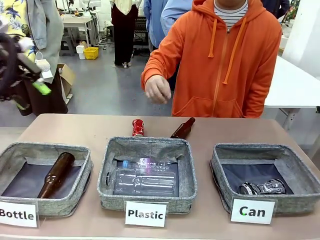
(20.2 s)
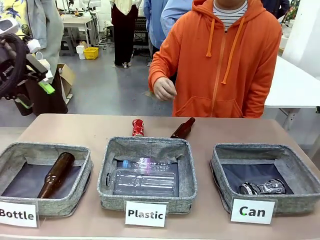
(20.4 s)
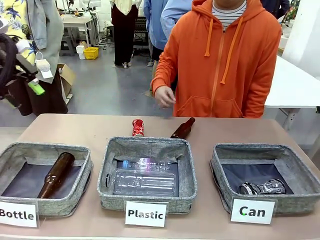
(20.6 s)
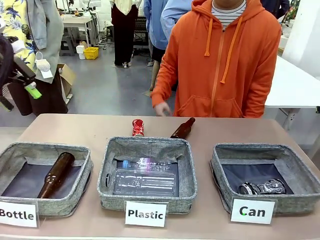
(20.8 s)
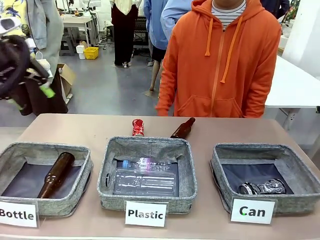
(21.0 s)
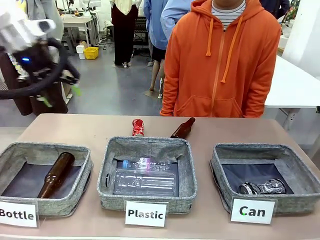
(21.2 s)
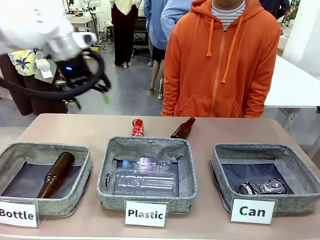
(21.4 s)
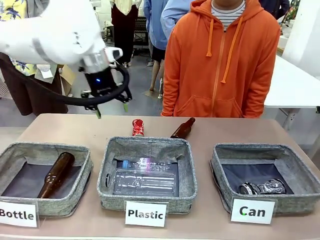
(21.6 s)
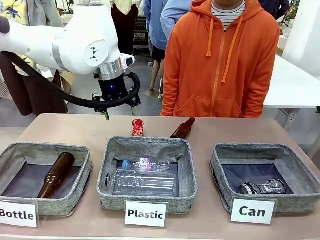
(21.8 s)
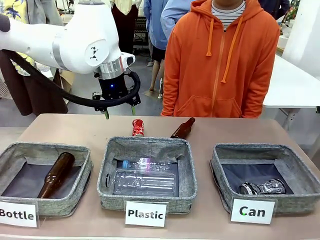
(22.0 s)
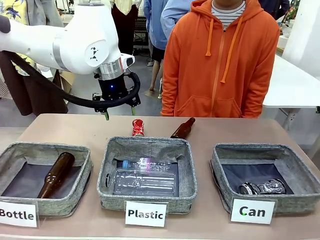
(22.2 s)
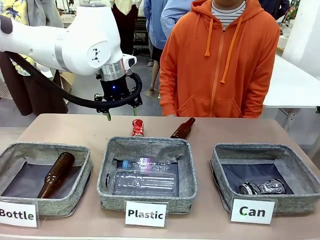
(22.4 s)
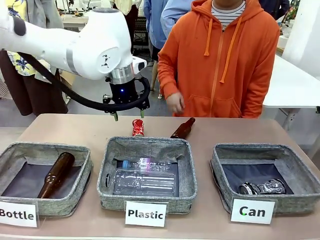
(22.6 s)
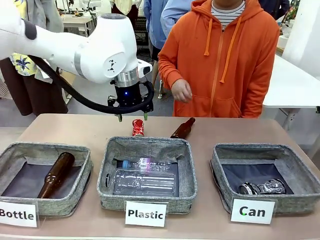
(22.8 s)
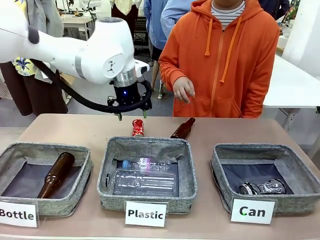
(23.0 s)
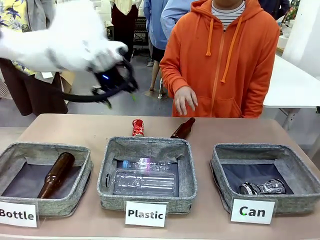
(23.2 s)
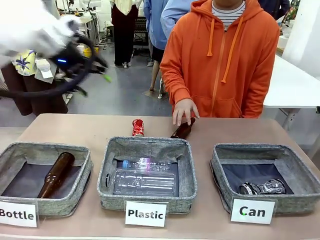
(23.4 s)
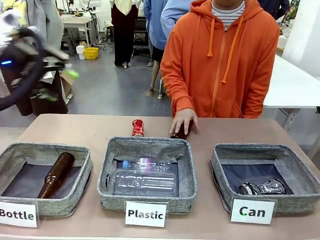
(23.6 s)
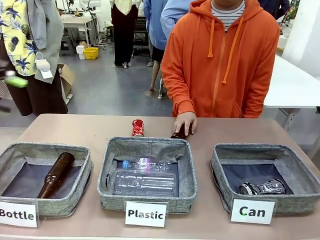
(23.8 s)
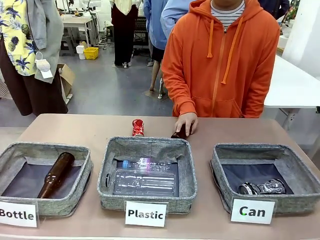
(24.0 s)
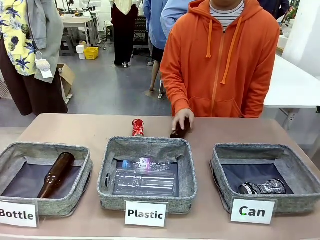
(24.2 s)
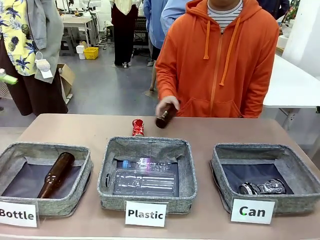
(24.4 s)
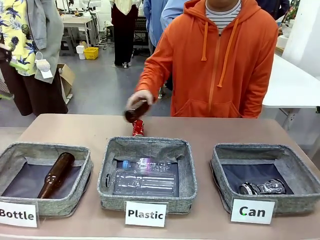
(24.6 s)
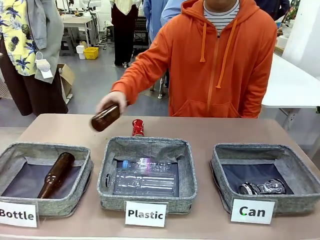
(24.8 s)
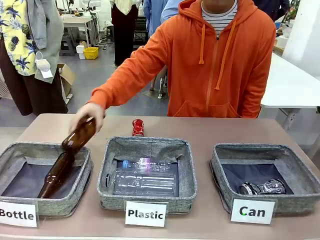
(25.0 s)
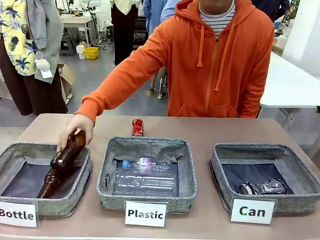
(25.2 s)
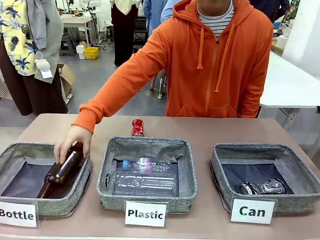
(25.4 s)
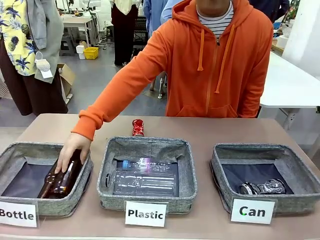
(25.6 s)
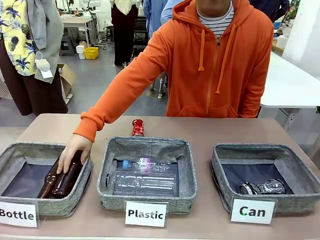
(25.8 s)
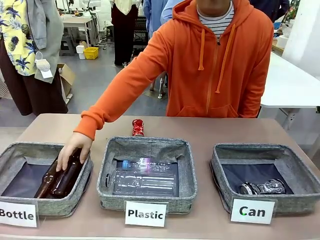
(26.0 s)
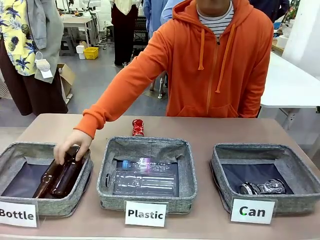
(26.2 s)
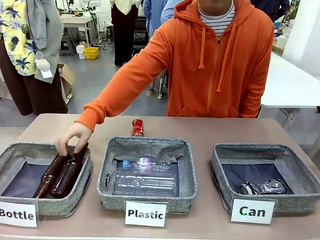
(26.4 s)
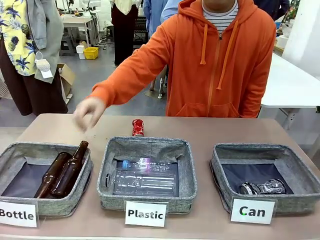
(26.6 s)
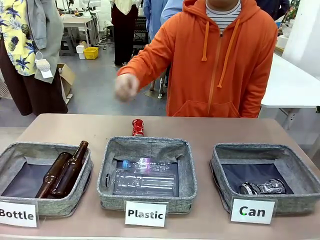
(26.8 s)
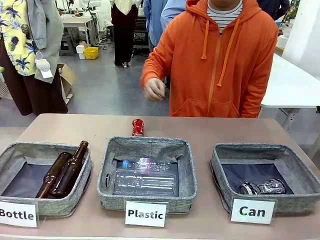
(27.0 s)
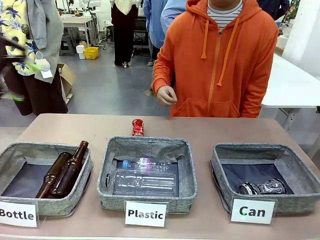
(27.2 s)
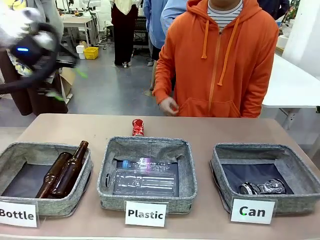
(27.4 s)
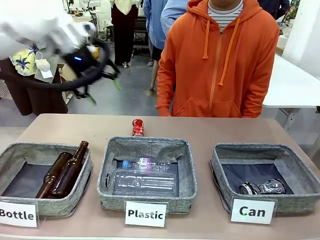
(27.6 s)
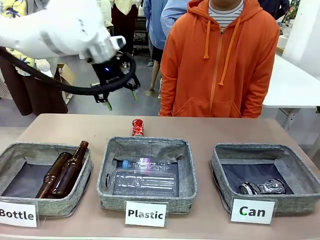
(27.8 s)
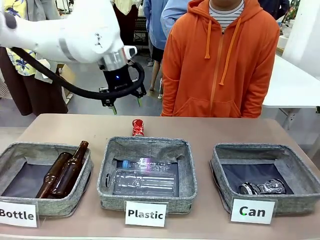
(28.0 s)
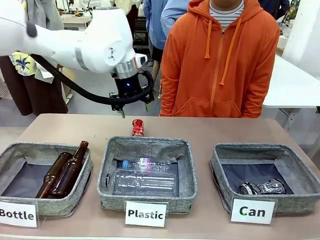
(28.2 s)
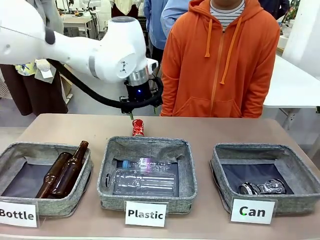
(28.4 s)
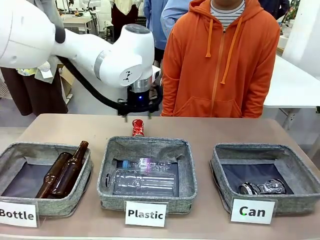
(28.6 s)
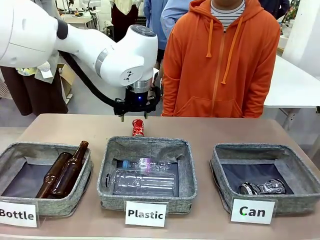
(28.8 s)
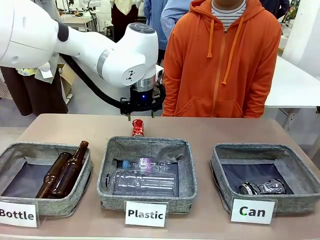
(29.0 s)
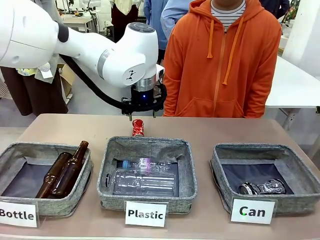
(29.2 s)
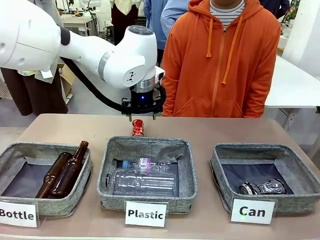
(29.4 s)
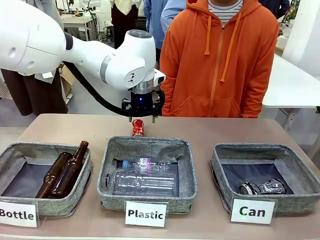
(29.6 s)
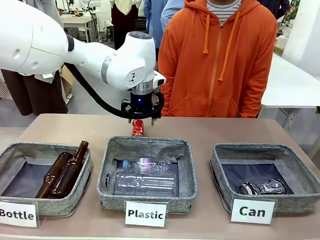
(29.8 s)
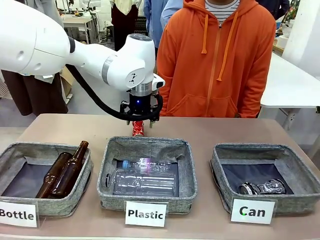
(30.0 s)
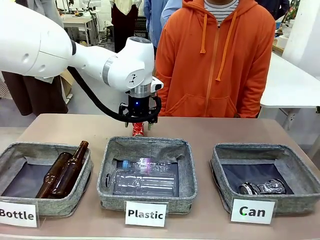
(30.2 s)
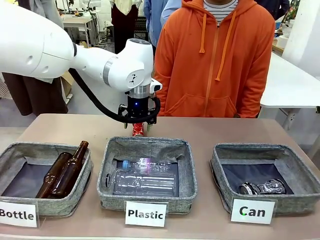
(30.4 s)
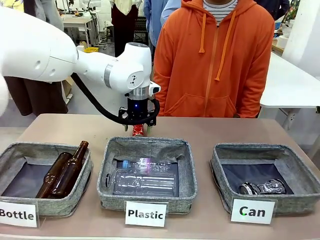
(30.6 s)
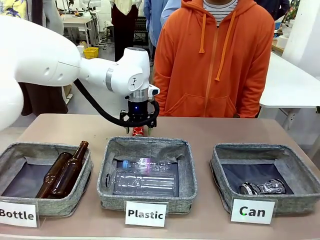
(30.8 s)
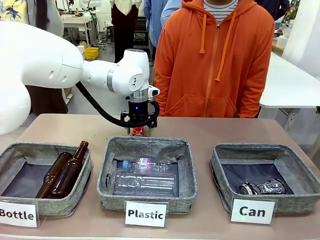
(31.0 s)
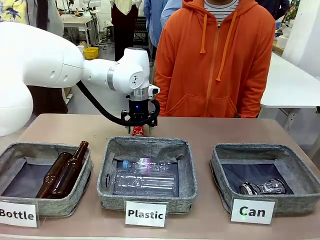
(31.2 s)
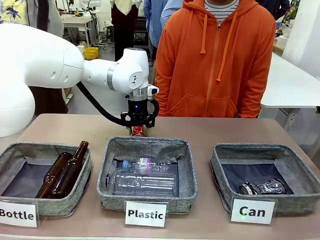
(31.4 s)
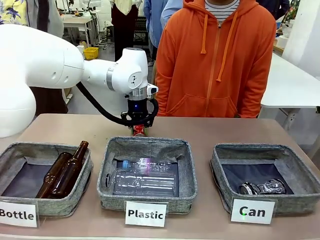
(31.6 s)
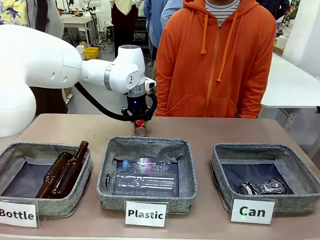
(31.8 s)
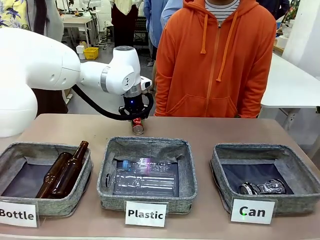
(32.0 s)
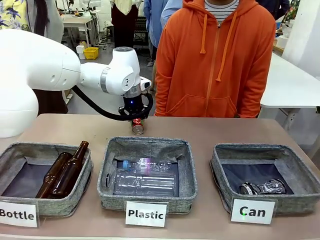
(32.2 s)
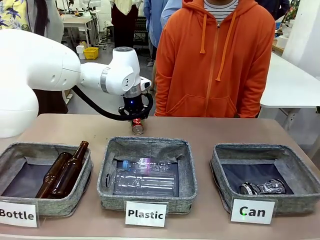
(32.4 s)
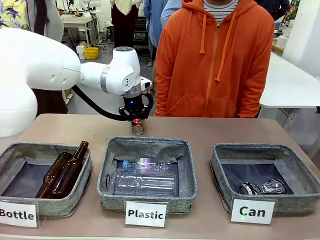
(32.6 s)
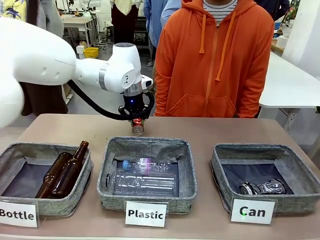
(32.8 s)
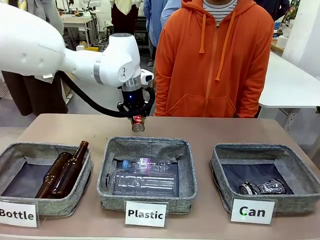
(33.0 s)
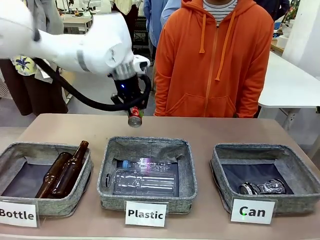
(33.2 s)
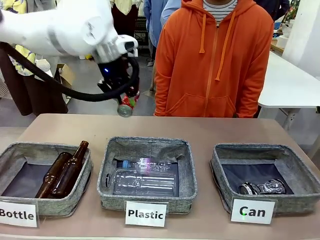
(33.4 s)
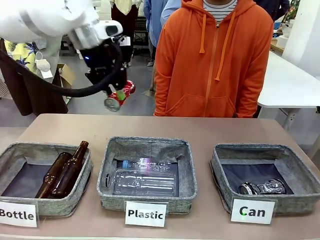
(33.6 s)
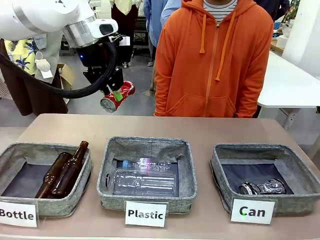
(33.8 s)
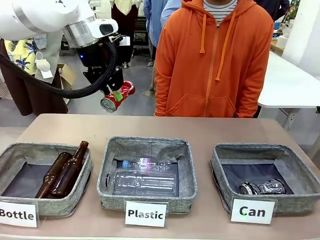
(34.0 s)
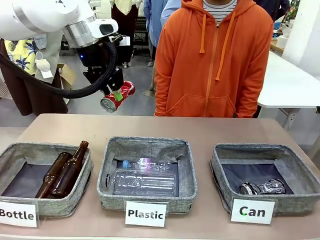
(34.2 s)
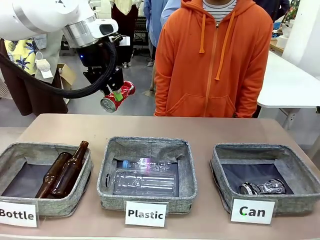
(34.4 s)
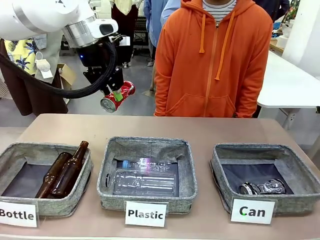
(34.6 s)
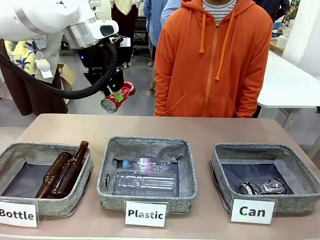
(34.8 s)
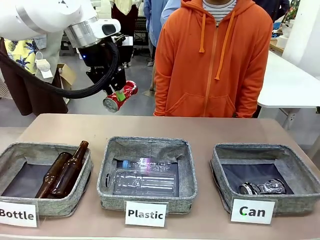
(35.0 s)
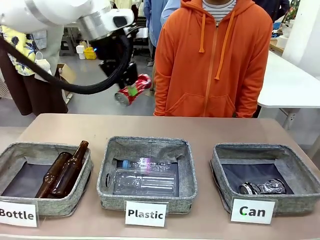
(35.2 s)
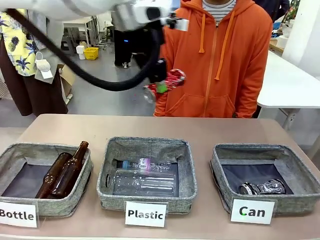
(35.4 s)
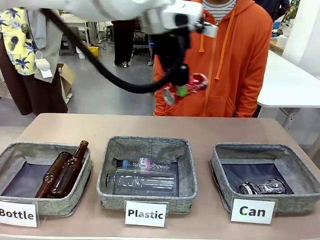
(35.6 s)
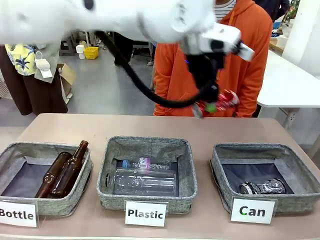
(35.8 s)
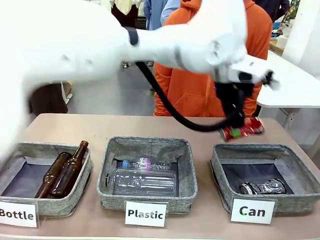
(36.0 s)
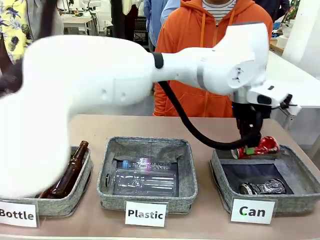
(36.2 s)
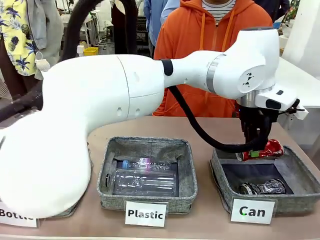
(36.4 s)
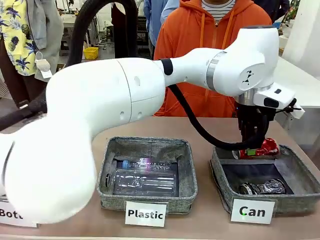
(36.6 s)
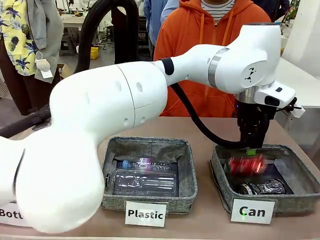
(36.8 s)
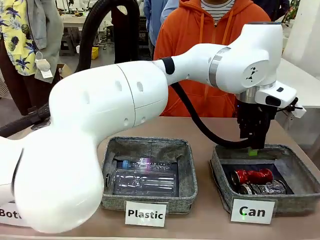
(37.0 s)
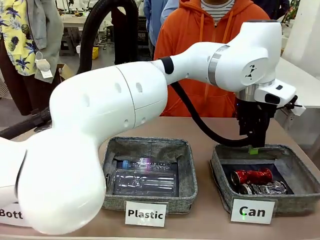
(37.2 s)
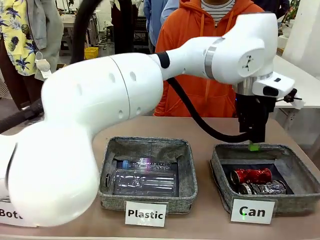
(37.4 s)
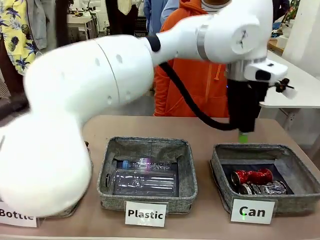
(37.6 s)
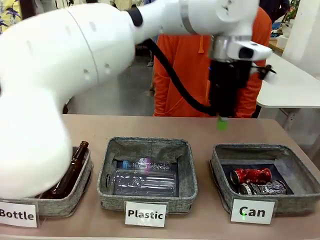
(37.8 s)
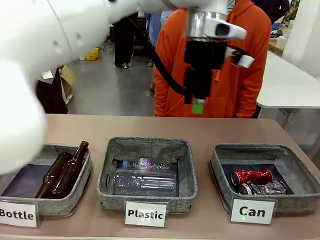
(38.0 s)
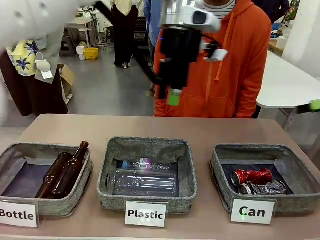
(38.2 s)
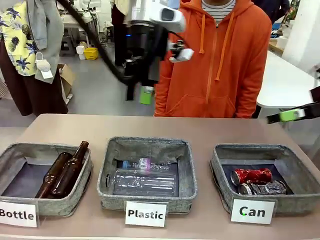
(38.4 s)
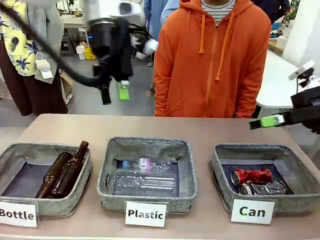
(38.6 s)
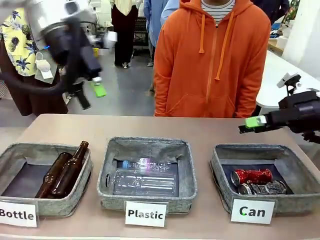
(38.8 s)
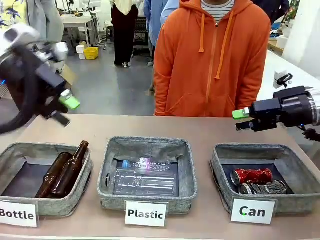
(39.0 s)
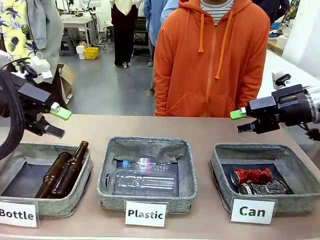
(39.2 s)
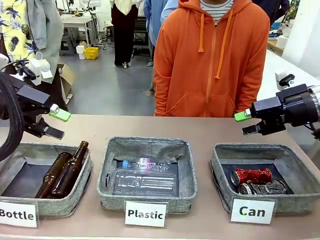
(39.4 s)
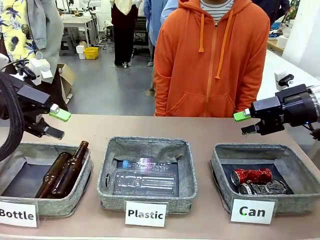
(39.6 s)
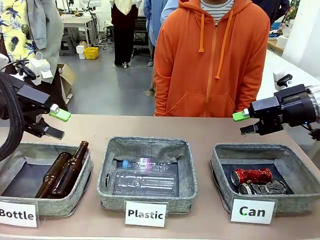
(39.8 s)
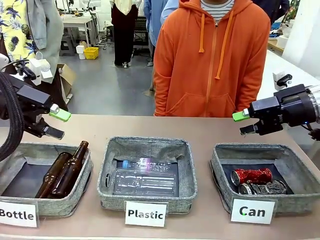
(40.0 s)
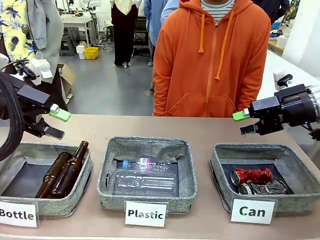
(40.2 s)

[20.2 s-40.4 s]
Task: Sort the can waste into the basket.
Robot: Pick up the can waste from the table and place it in the right Fabric basket.
